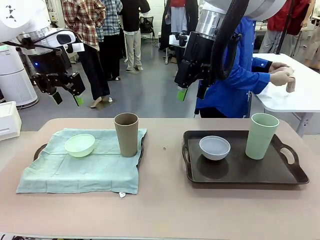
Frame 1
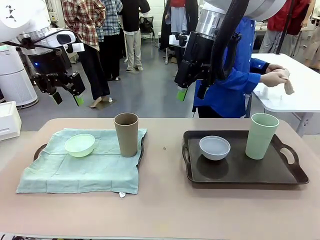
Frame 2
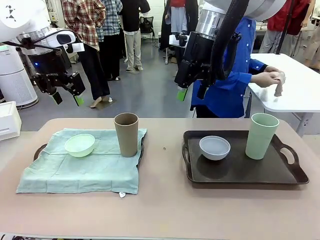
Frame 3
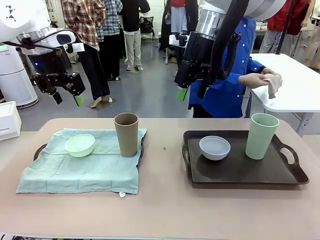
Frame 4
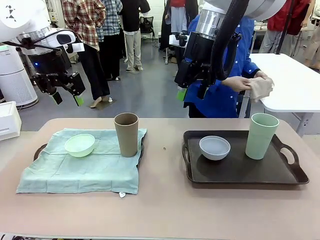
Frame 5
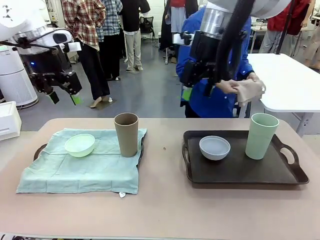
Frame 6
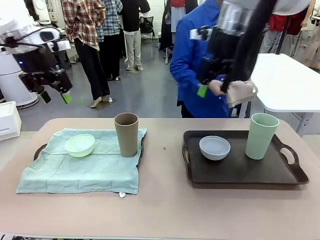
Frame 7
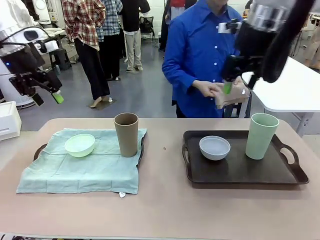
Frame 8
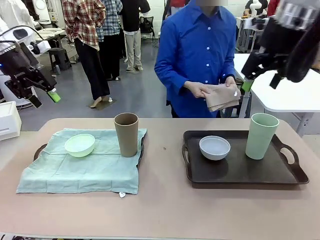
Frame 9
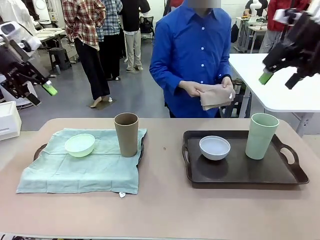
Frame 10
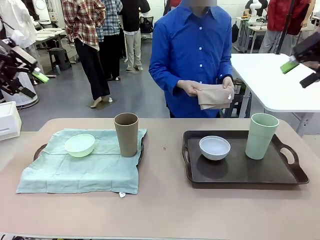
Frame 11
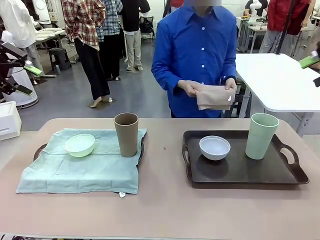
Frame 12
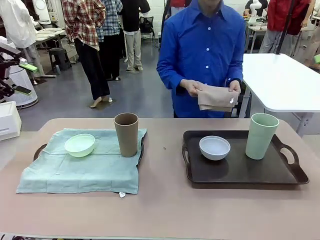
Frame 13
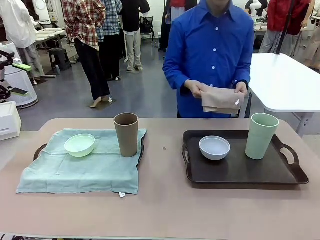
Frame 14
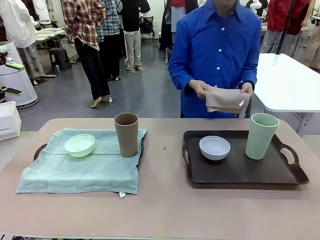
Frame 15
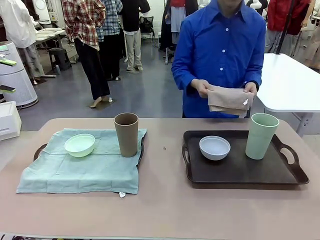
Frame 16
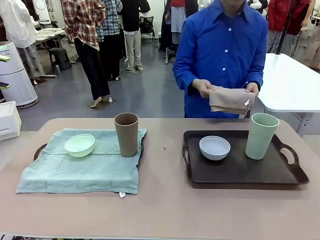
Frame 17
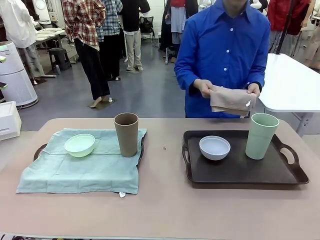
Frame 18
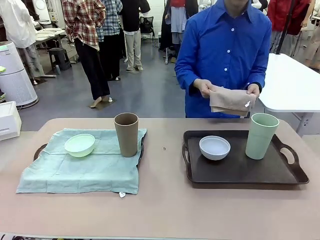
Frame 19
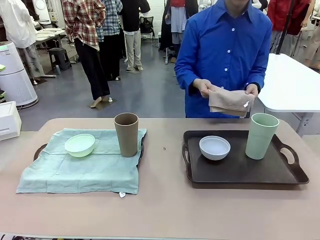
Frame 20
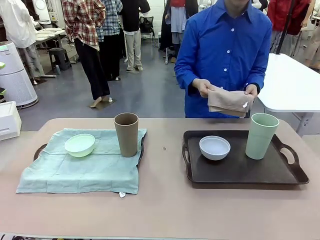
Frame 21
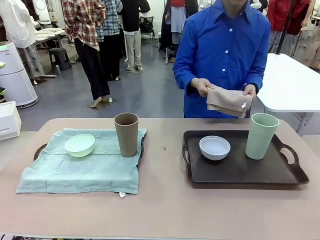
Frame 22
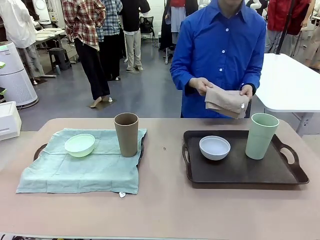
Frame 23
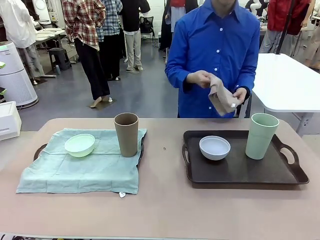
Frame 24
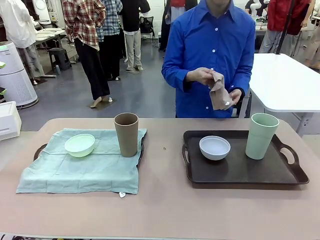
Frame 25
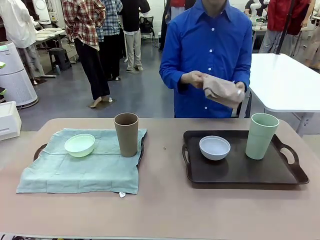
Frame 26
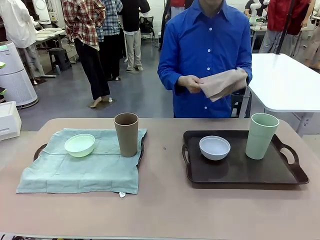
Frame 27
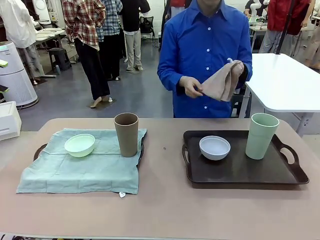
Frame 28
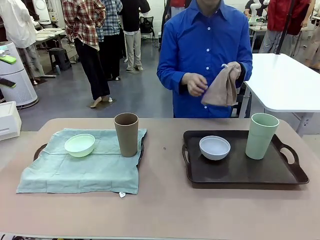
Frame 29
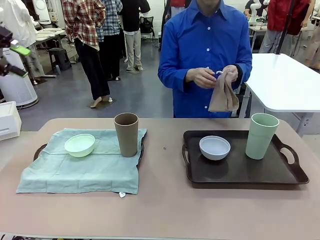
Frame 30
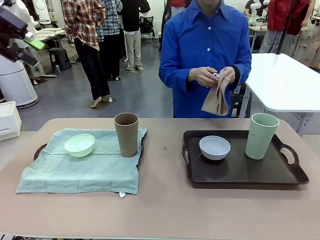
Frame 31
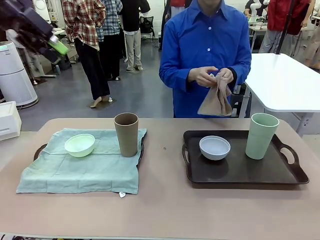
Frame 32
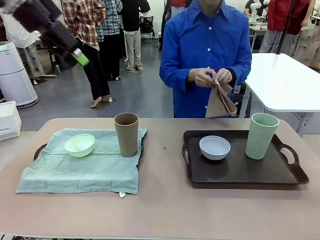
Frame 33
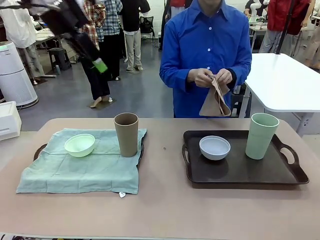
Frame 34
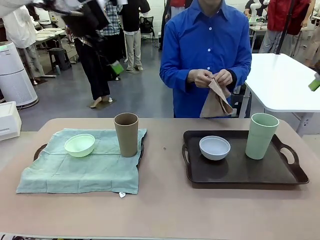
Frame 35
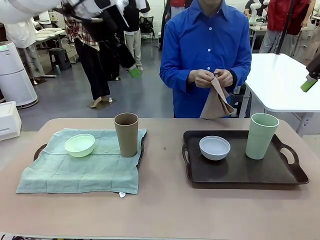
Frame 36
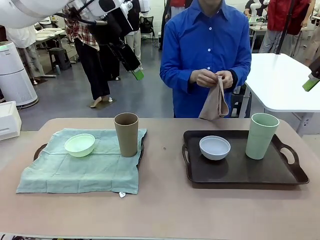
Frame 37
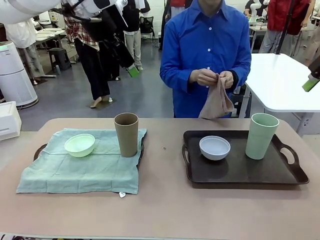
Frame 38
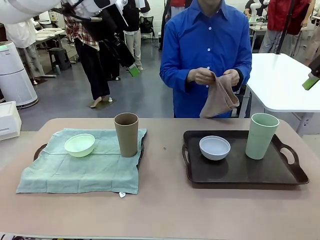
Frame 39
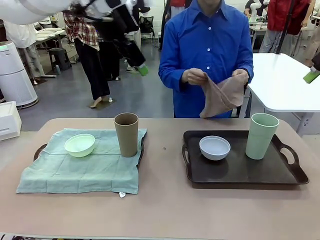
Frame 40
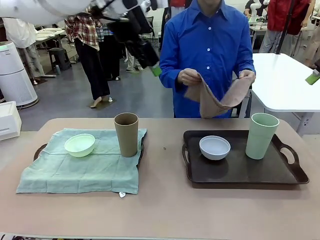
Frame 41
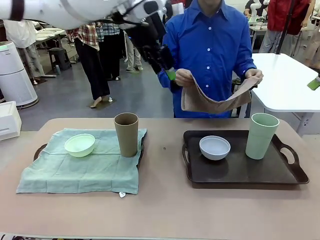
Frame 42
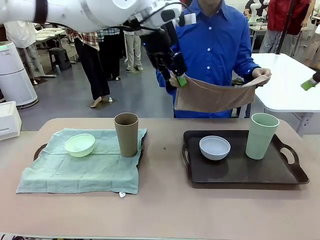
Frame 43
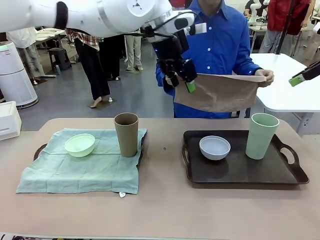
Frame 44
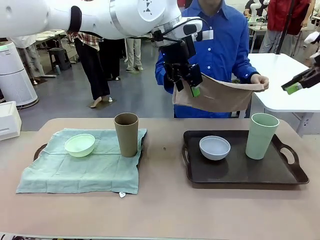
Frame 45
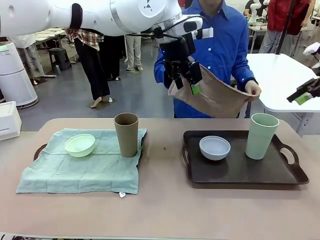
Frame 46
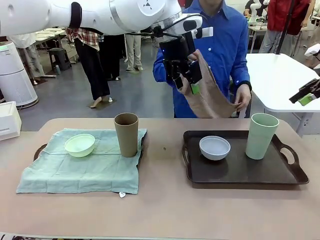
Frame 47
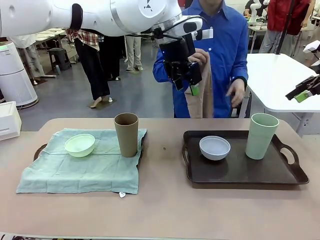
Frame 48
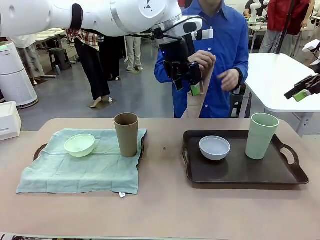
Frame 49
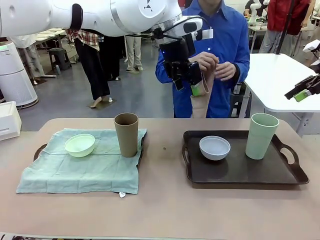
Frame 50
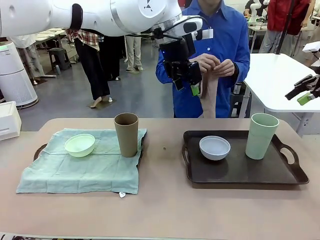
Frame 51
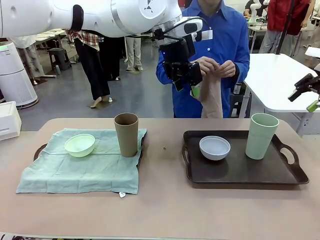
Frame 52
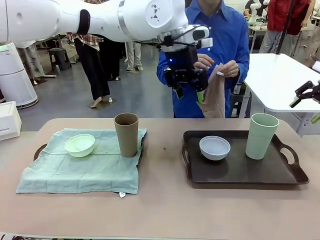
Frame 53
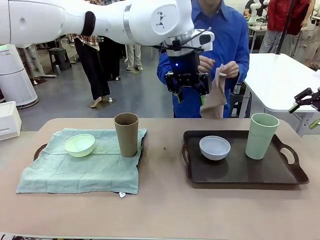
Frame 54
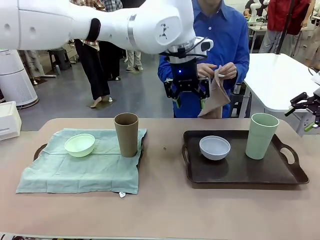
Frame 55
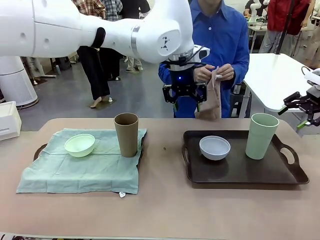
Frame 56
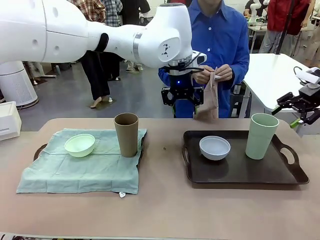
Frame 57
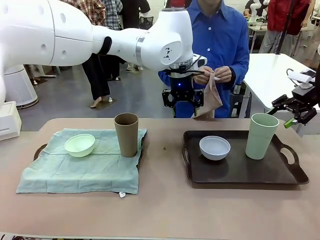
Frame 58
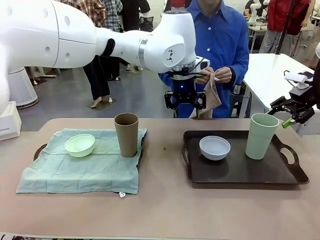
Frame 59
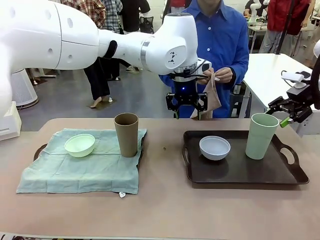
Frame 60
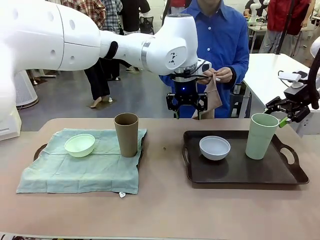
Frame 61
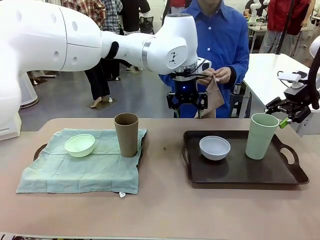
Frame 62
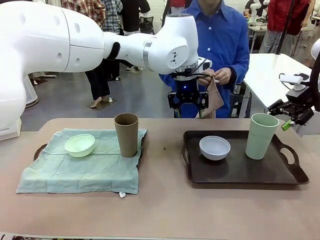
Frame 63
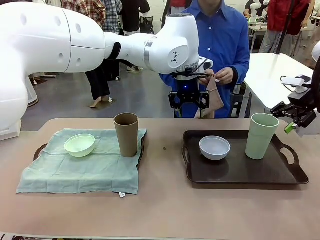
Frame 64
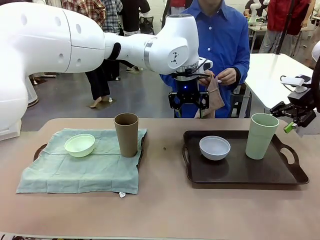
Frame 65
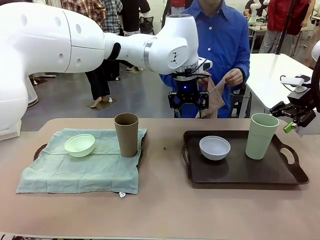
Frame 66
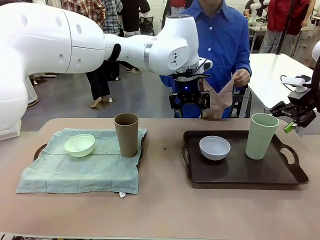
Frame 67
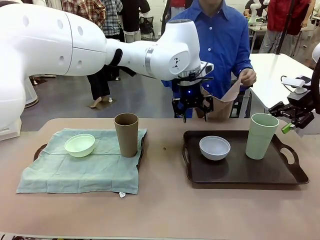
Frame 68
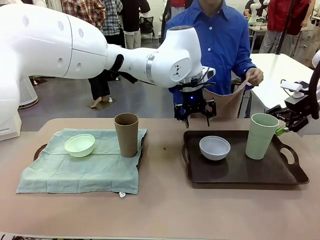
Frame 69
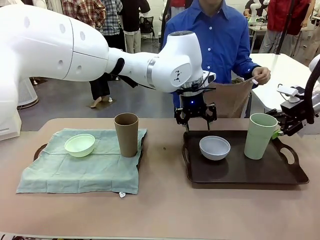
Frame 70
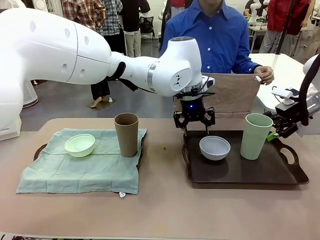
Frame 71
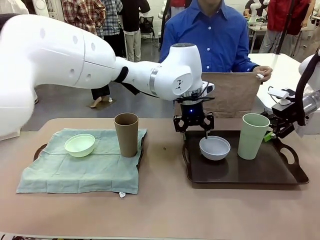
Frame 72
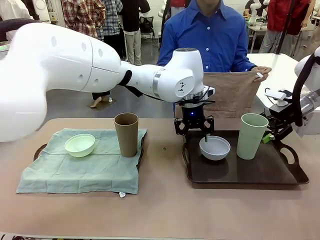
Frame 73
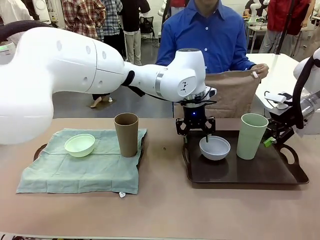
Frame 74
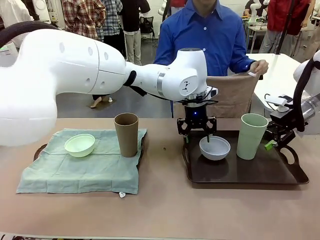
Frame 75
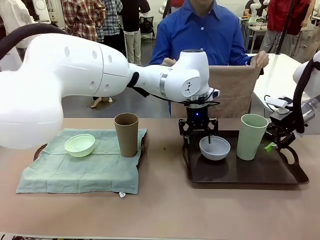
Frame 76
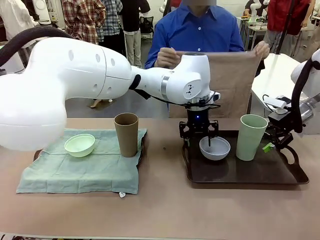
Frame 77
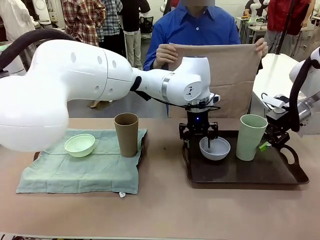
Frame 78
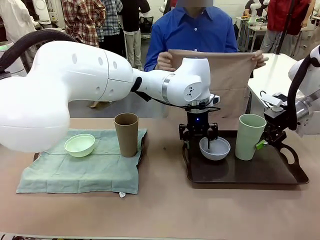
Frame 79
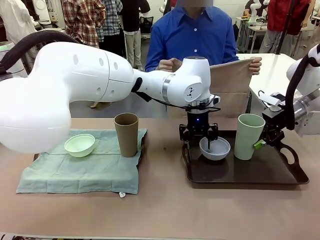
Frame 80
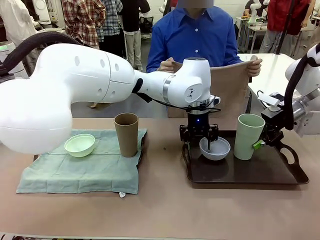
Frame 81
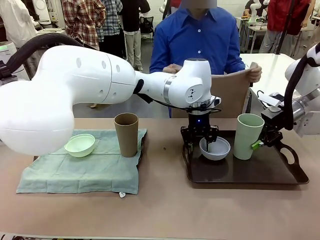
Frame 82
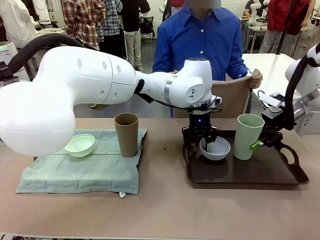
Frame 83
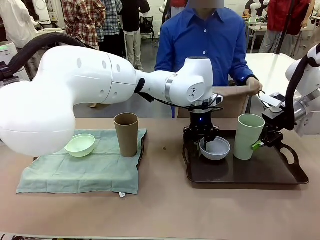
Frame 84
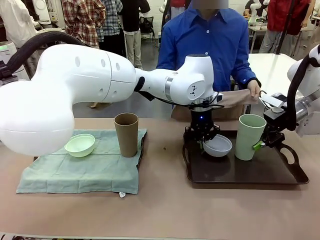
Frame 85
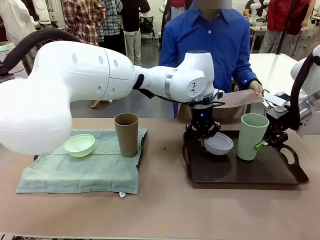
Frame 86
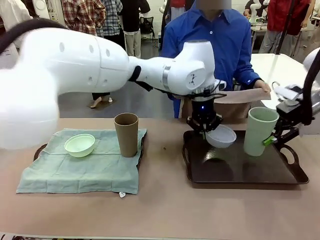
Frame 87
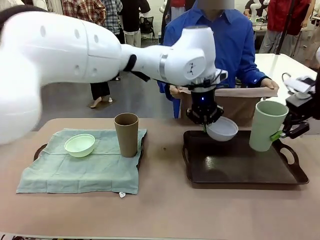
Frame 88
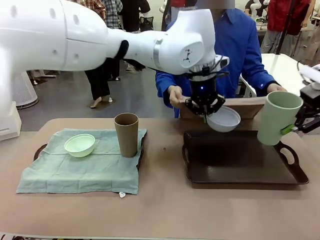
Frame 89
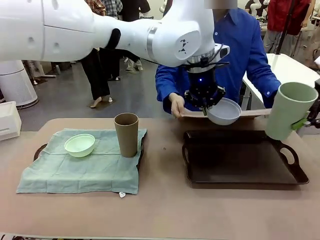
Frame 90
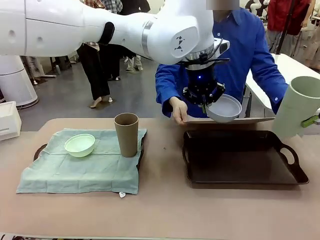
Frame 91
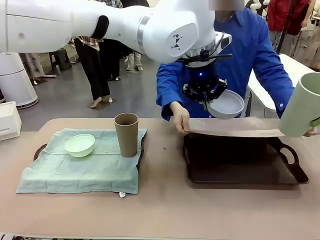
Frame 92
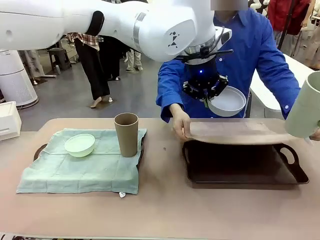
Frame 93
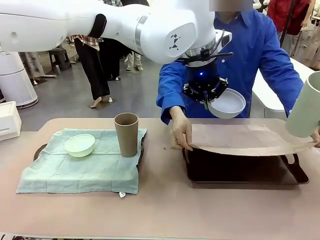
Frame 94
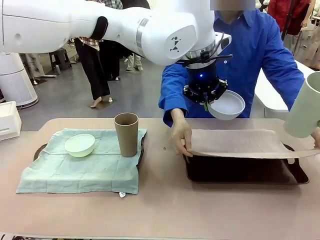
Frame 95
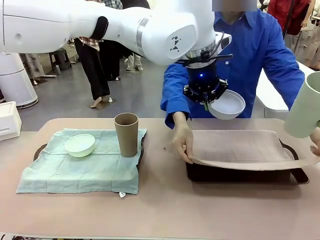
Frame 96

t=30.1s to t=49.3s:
Robot: Pick up the Picnic Bowl and Reusable plastic cup from the Handle tray in front of the human's position and hold them in the air.
Person: When the robot lifts the bowl and the cup, the human unfolds the napkin and lays the napkin flat on the tray.
